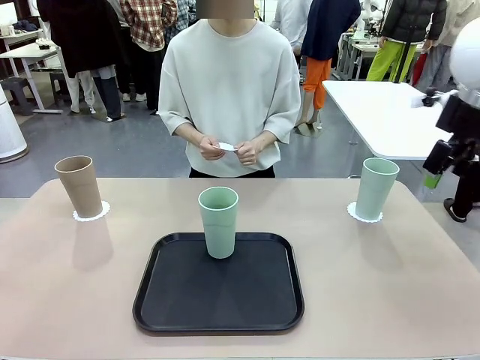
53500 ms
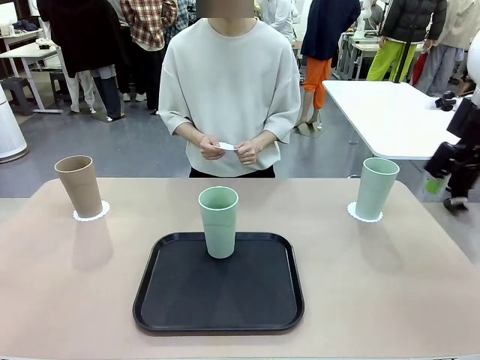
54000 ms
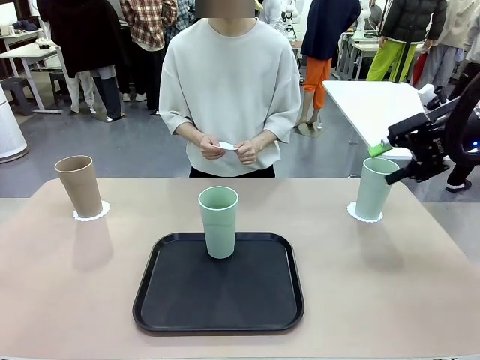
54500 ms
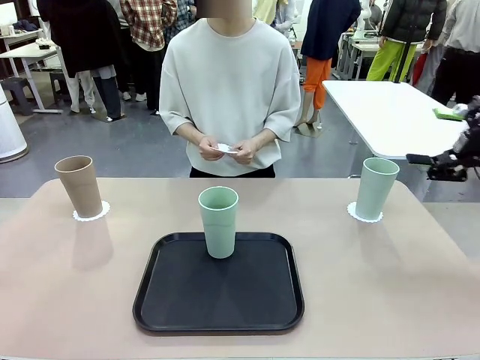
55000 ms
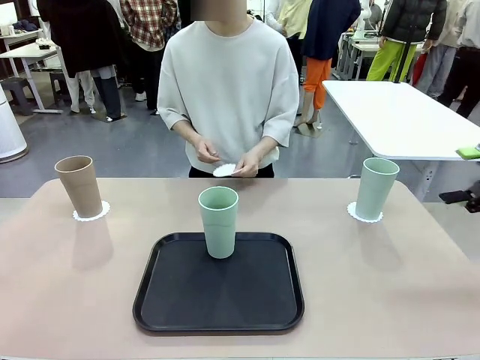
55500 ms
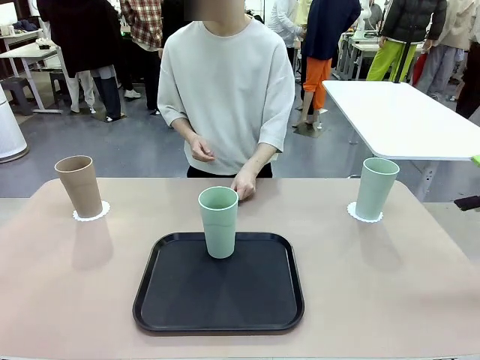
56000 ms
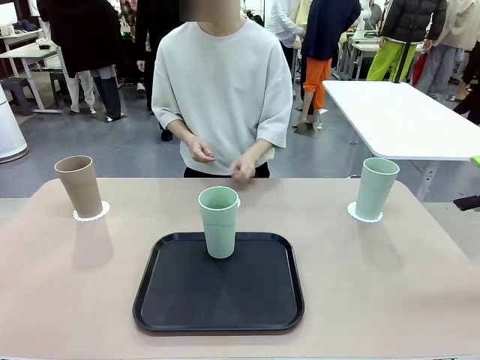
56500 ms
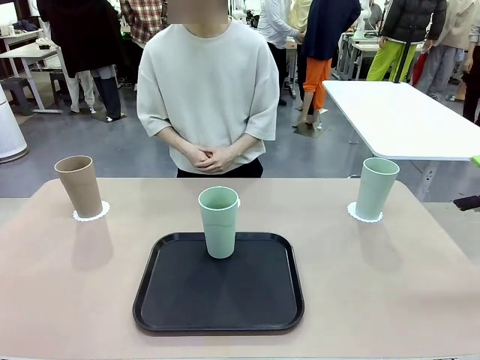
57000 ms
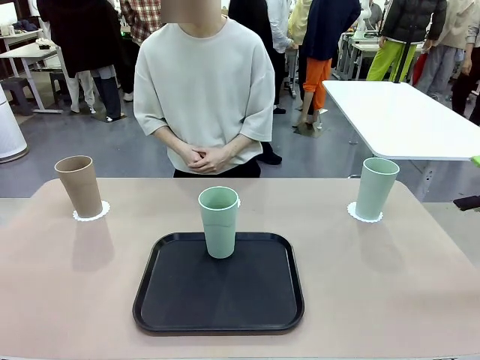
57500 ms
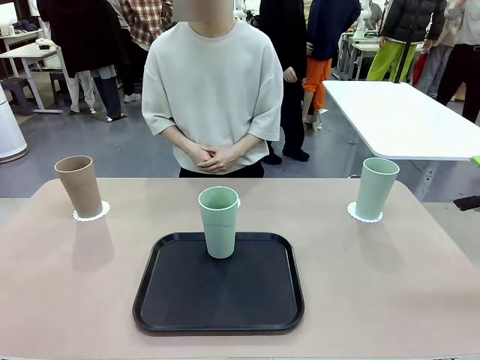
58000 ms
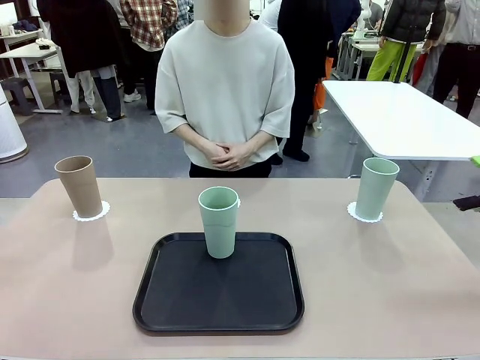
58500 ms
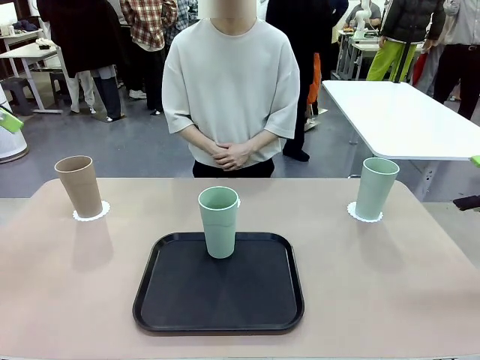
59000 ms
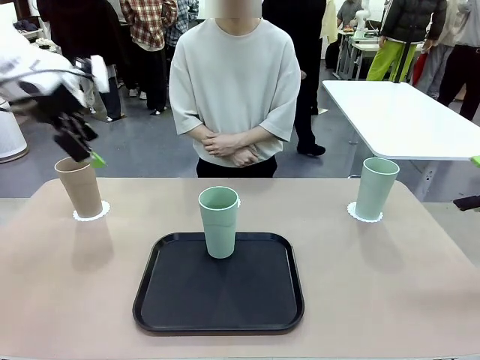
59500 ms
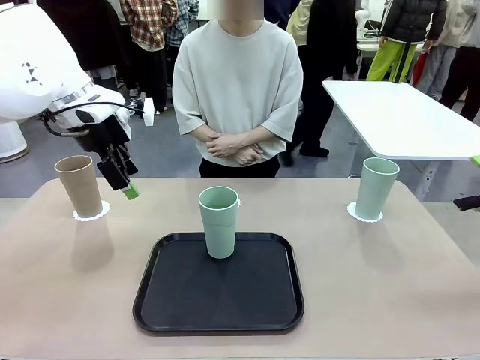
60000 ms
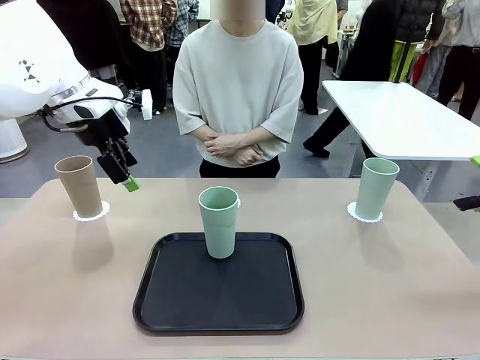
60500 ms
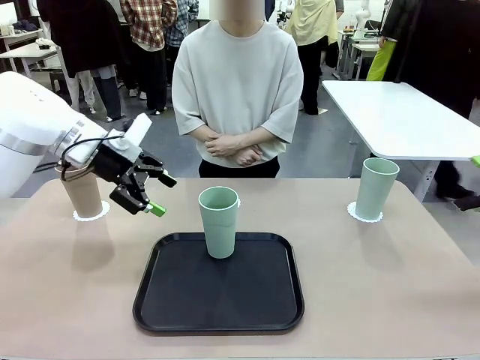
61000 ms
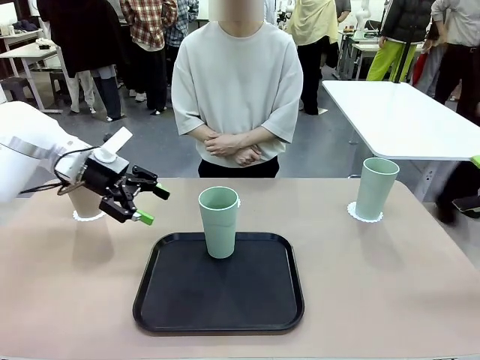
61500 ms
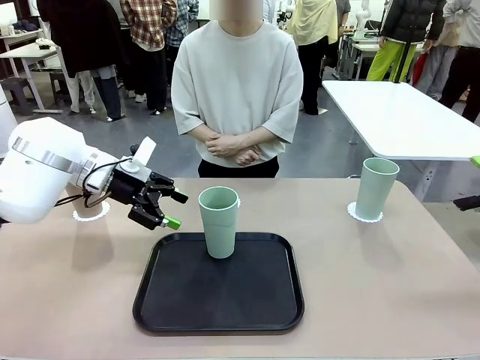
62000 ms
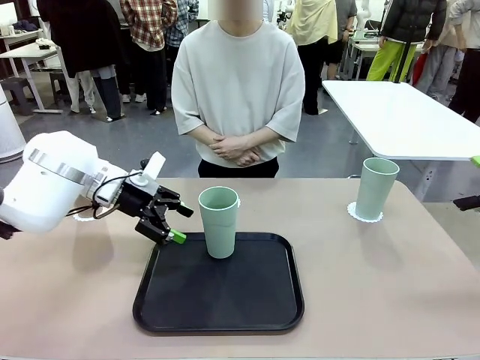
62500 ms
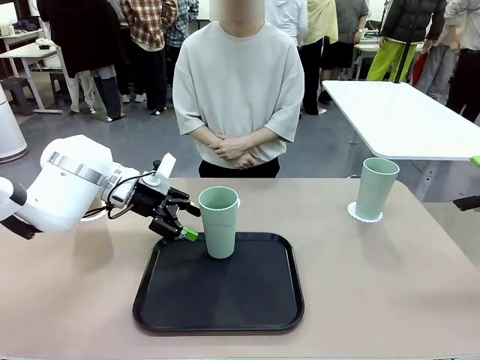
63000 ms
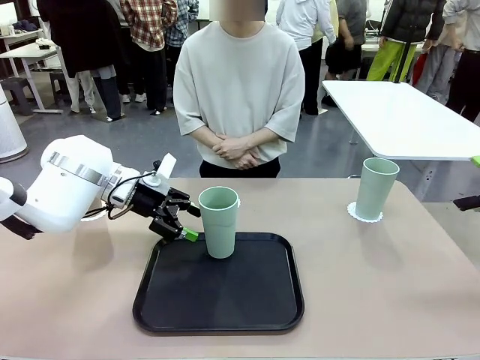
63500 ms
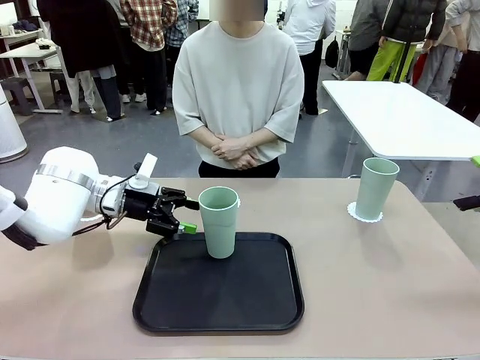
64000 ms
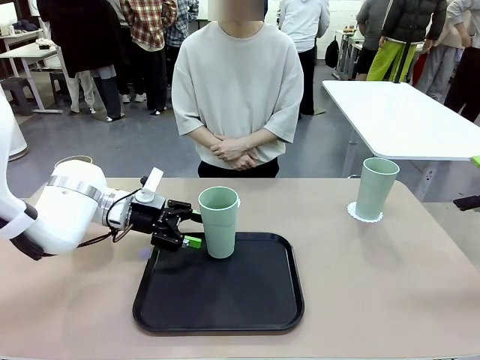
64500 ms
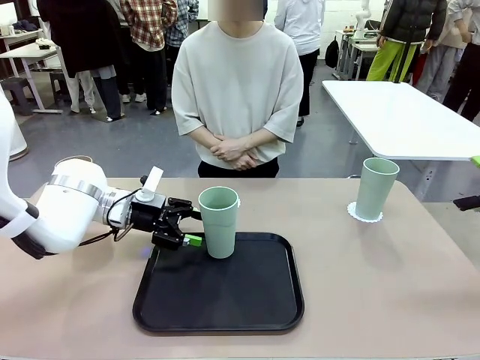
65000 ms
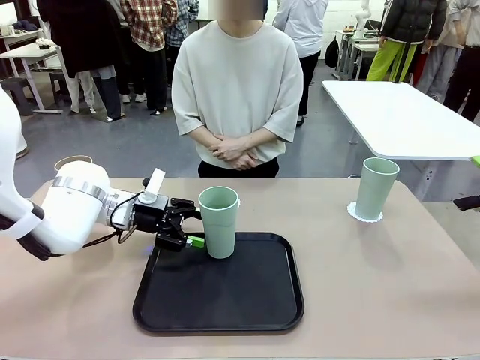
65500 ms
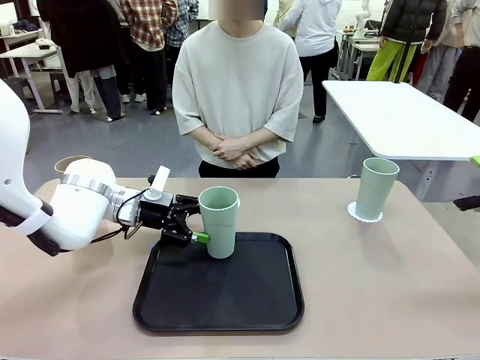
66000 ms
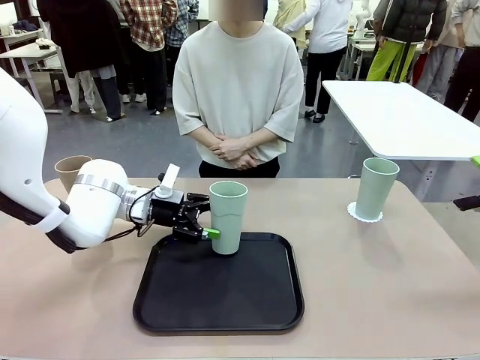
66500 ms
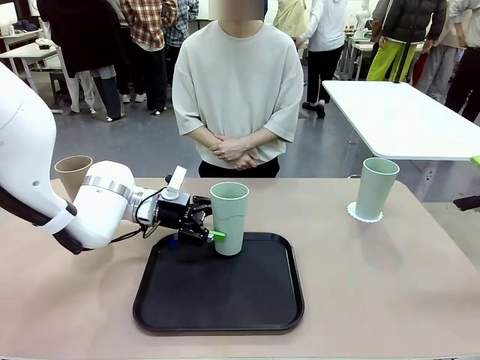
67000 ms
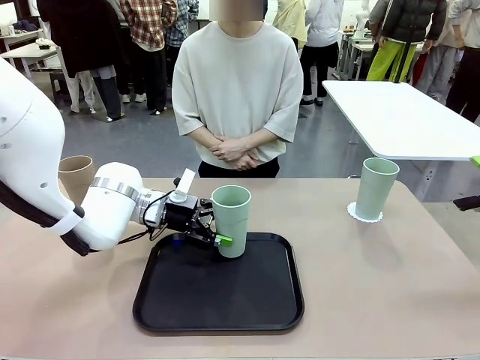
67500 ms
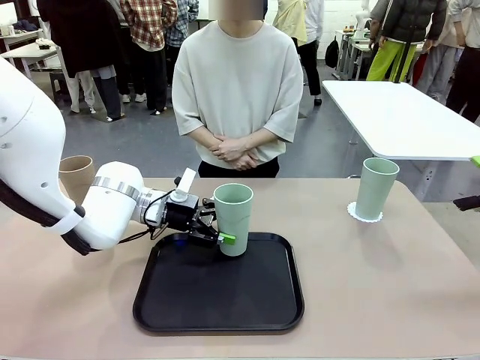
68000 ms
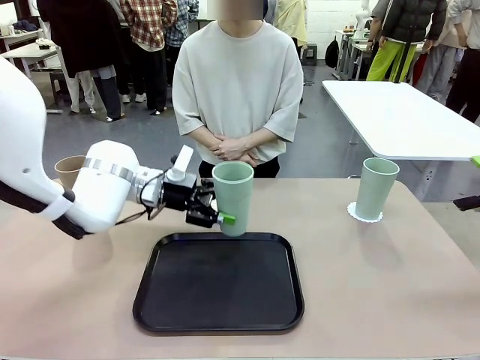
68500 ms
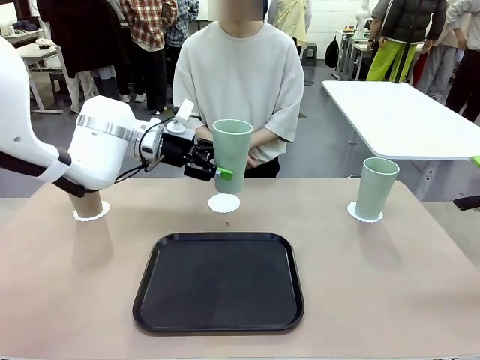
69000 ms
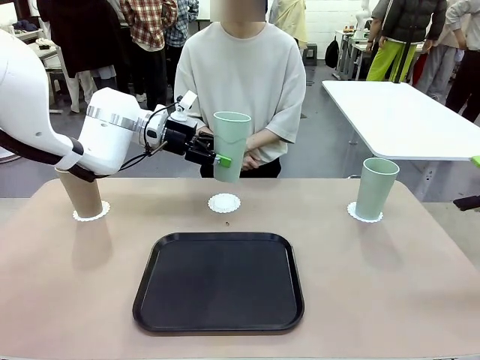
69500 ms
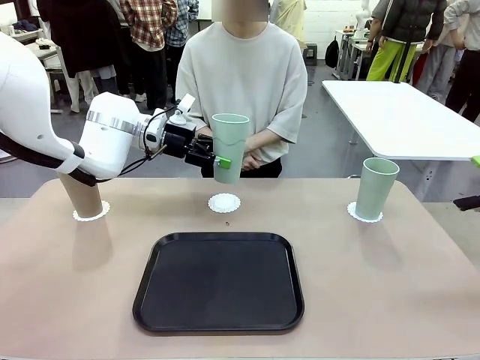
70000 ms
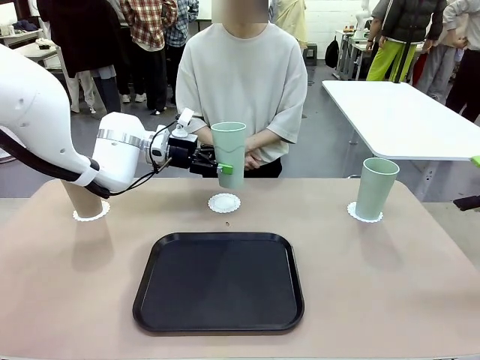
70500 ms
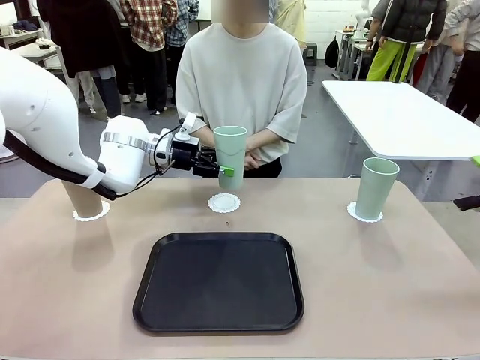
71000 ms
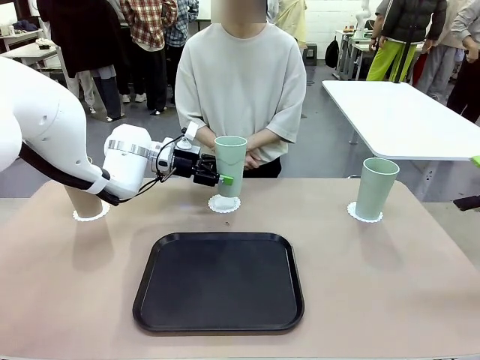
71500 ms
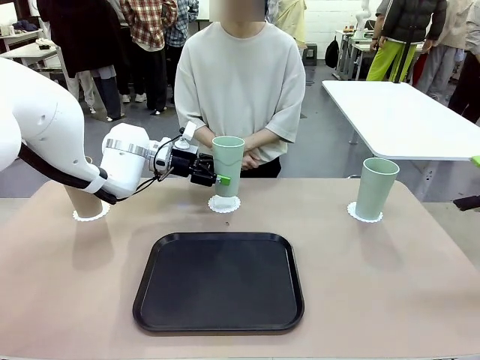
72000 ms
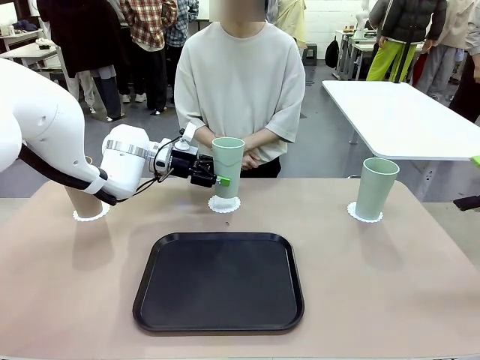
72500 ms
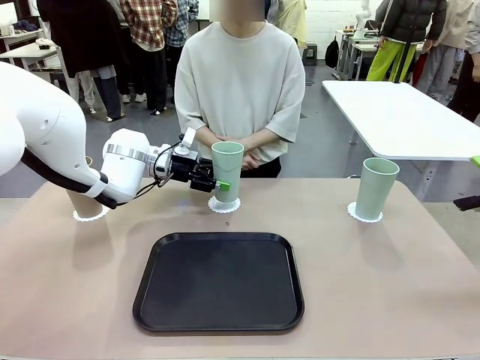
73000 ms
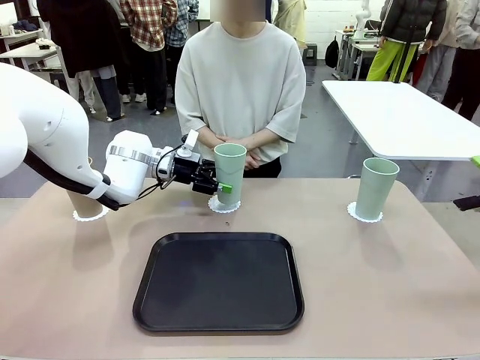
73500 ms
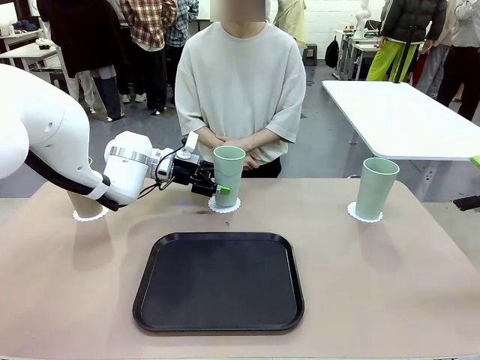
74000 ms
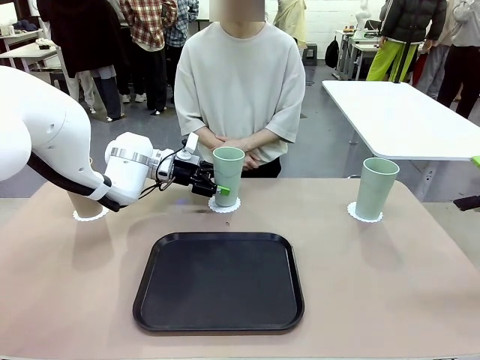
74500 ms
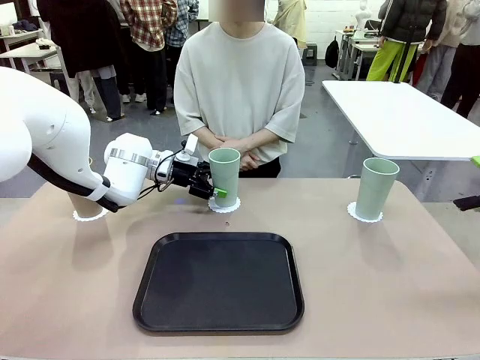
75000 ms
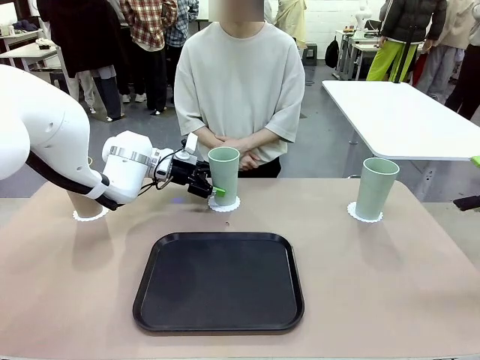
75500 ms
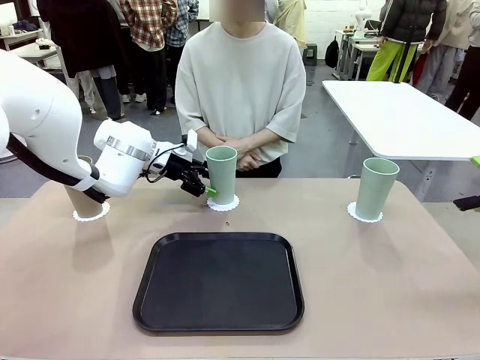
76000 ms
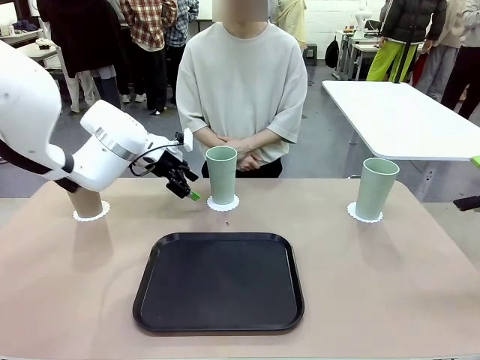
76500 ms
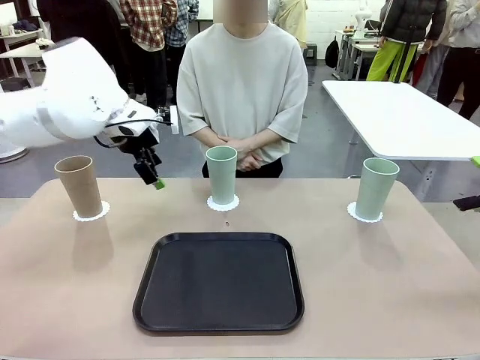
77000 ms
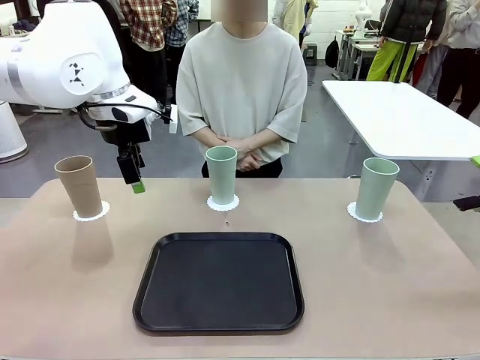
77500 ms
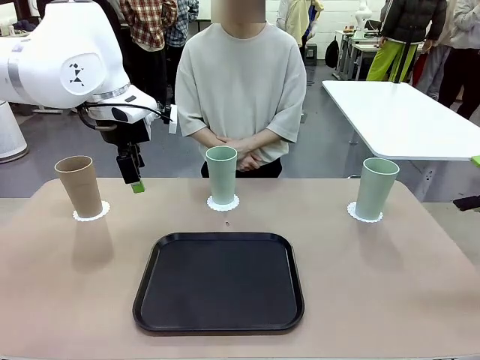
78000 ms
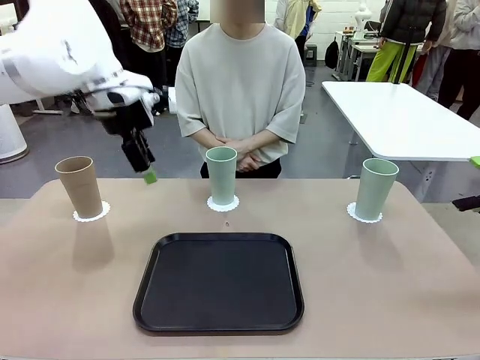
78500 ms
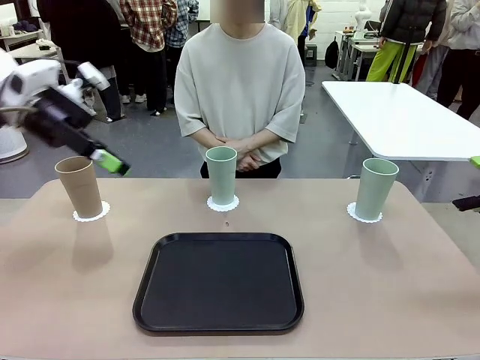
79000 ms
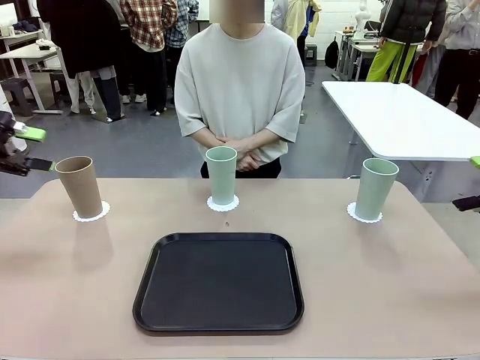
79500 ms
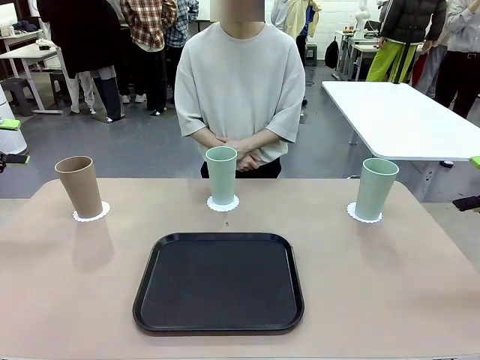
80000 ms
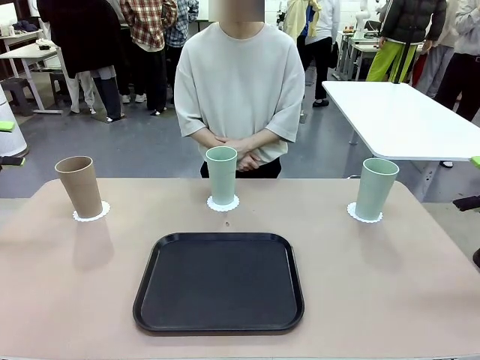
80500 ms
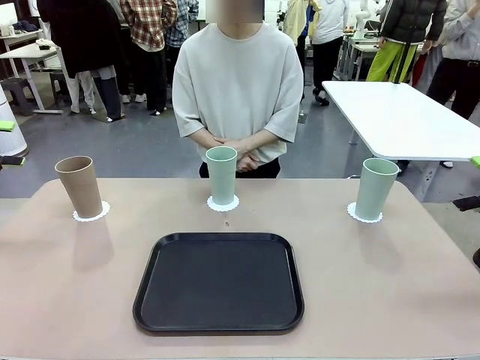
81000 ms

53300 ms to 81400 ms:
Task: Place coasters on the table and set cups on them.
Robot: Take one Reusable plastic cup from the Flat Tray and place it on a coaster set by the human.
Person: Place one coaster in the only remaining area.
